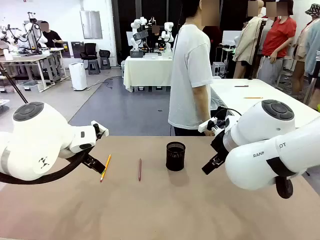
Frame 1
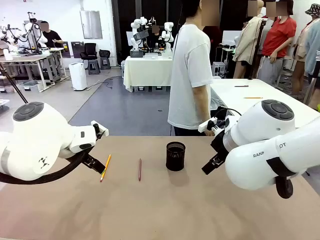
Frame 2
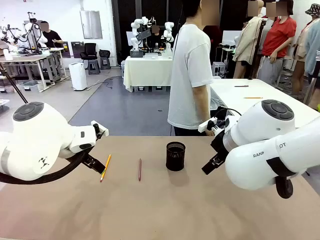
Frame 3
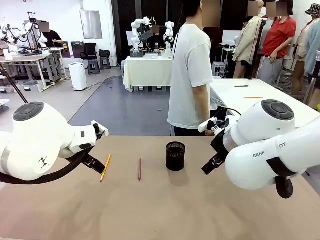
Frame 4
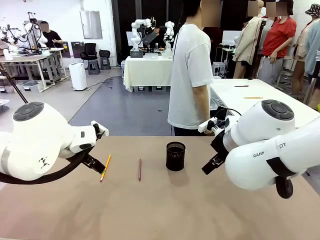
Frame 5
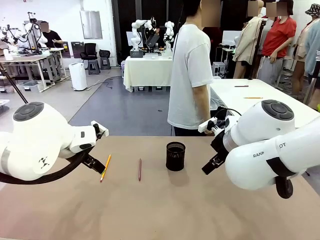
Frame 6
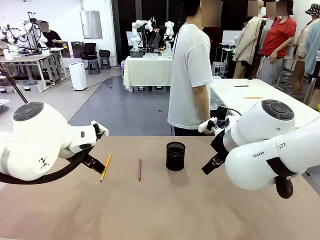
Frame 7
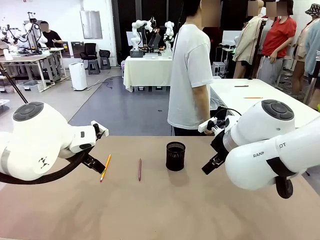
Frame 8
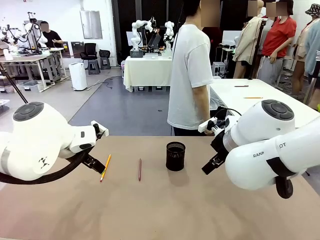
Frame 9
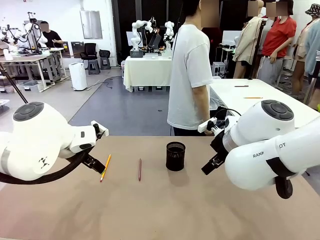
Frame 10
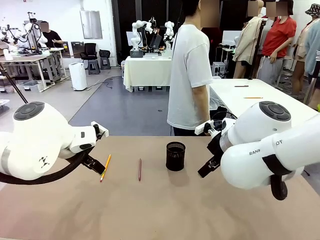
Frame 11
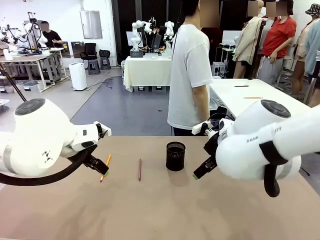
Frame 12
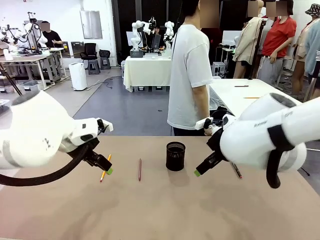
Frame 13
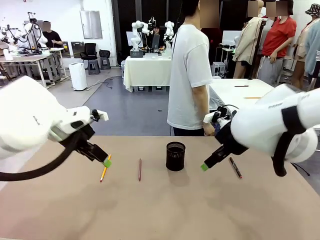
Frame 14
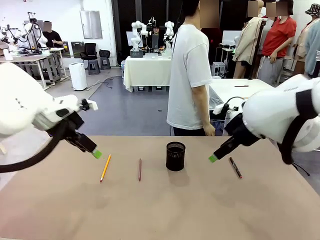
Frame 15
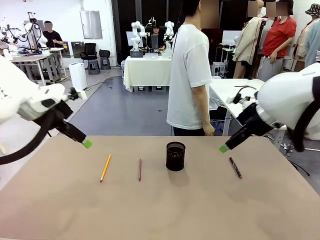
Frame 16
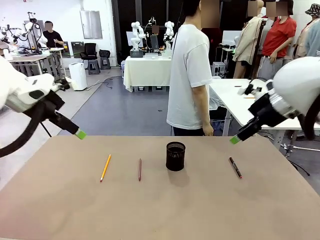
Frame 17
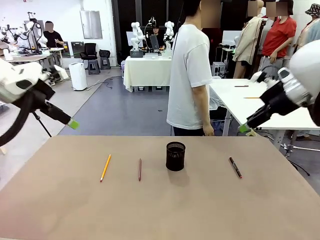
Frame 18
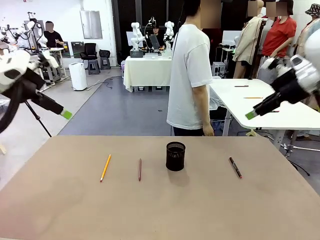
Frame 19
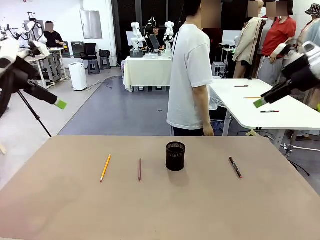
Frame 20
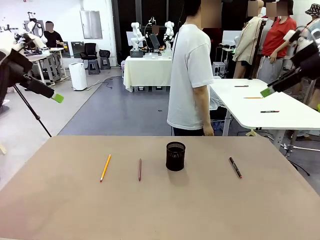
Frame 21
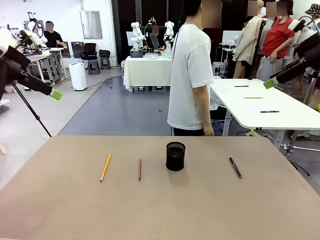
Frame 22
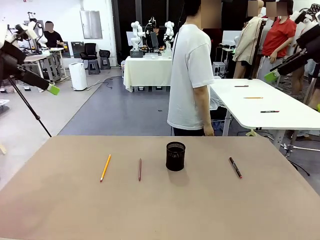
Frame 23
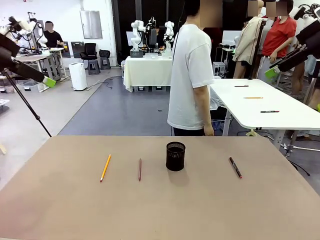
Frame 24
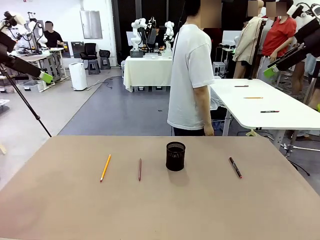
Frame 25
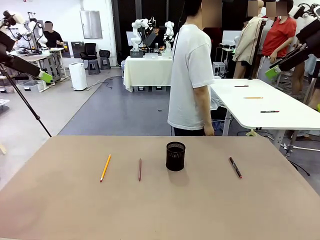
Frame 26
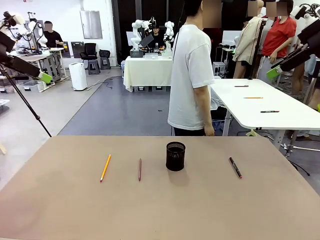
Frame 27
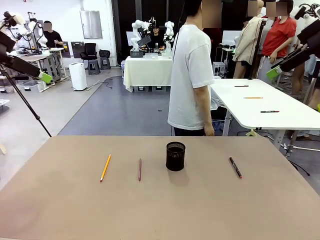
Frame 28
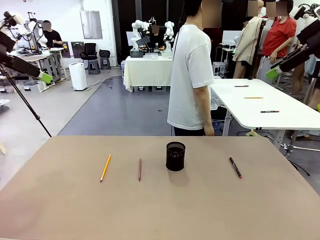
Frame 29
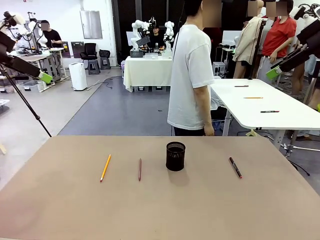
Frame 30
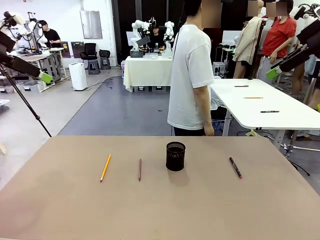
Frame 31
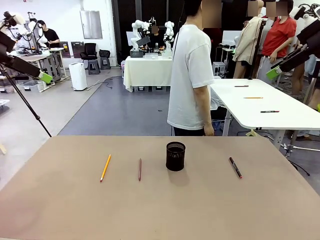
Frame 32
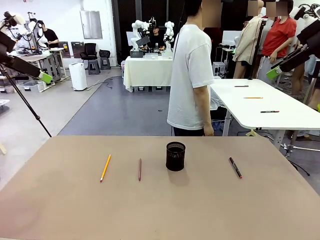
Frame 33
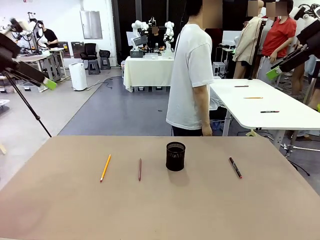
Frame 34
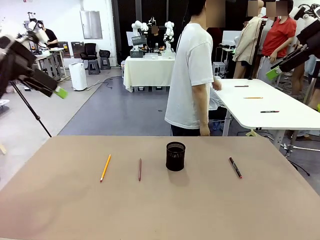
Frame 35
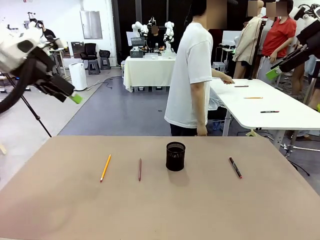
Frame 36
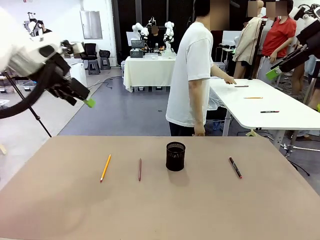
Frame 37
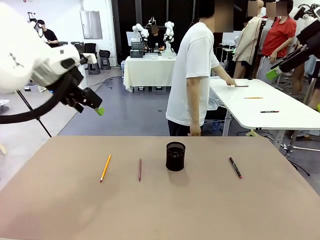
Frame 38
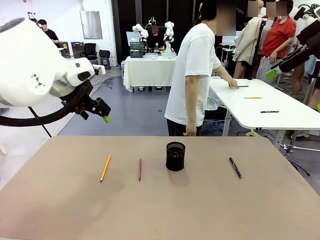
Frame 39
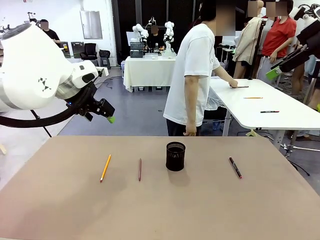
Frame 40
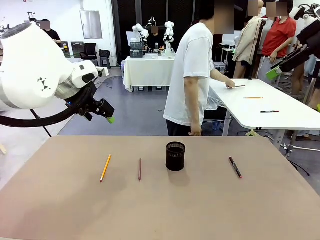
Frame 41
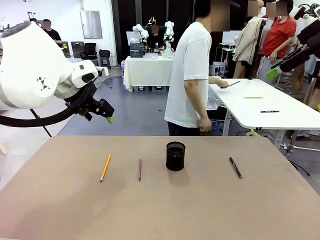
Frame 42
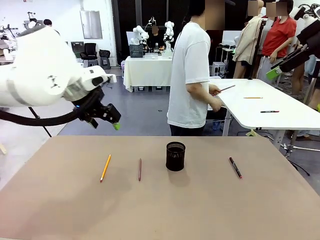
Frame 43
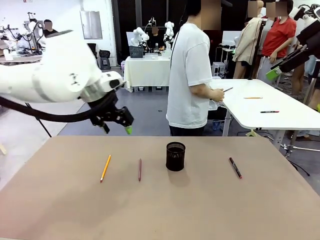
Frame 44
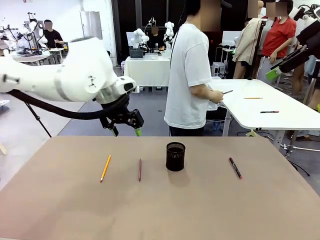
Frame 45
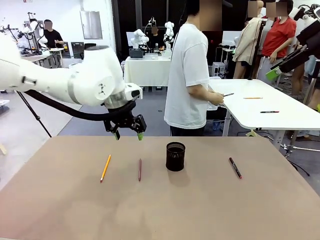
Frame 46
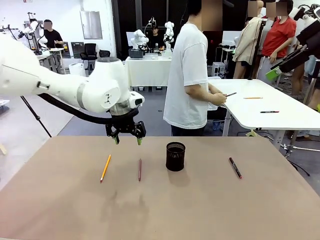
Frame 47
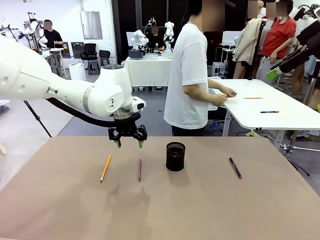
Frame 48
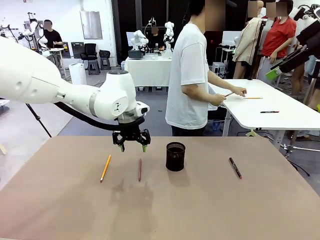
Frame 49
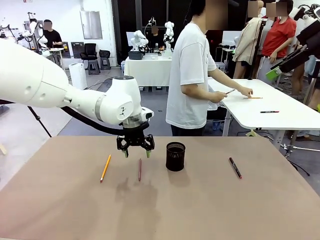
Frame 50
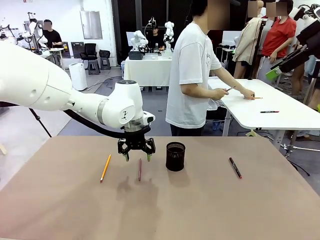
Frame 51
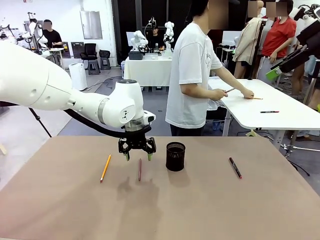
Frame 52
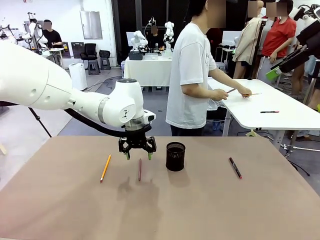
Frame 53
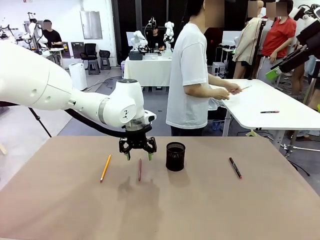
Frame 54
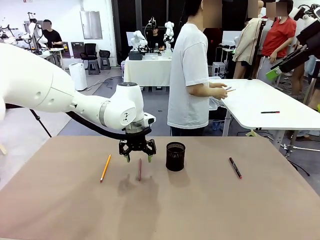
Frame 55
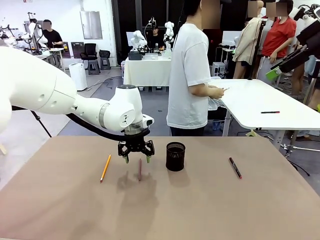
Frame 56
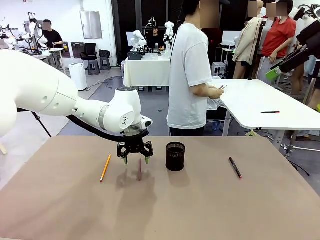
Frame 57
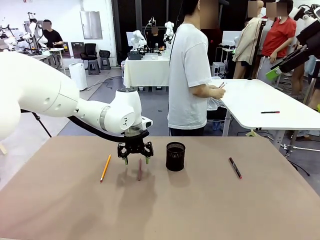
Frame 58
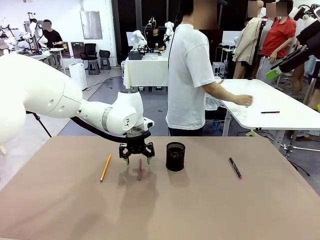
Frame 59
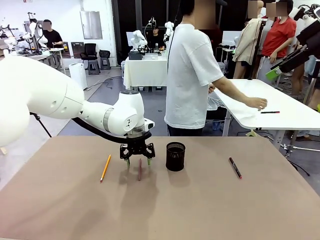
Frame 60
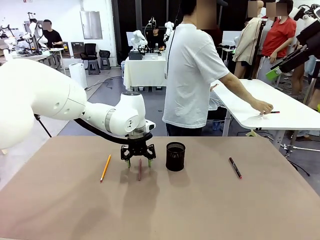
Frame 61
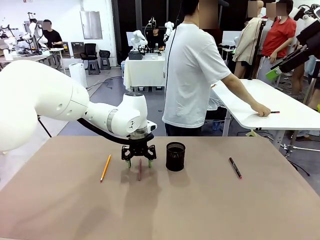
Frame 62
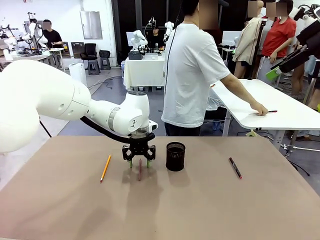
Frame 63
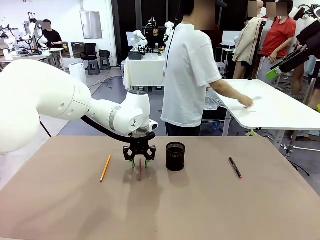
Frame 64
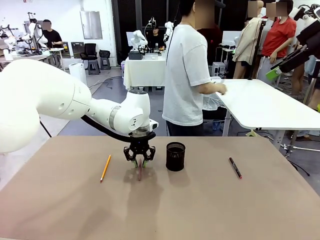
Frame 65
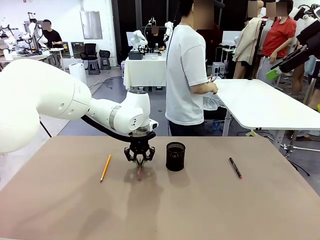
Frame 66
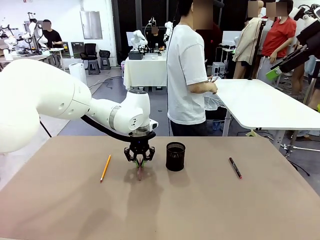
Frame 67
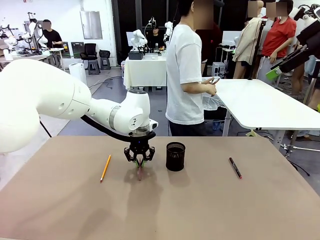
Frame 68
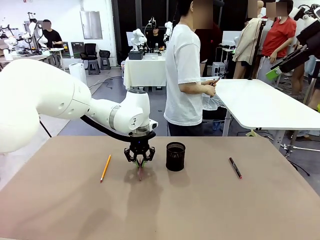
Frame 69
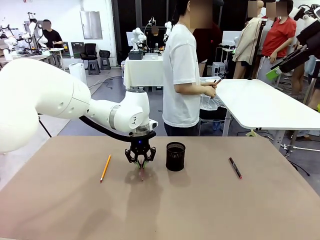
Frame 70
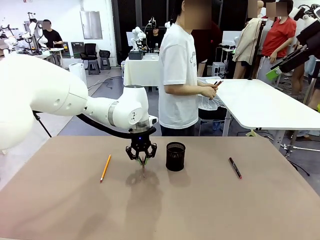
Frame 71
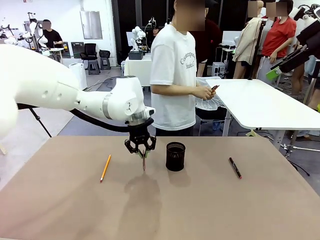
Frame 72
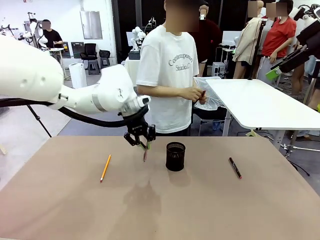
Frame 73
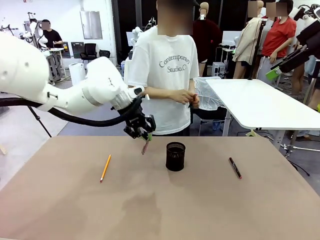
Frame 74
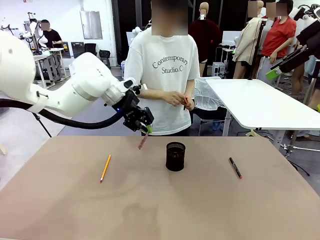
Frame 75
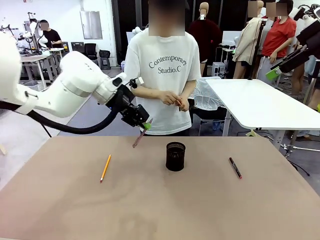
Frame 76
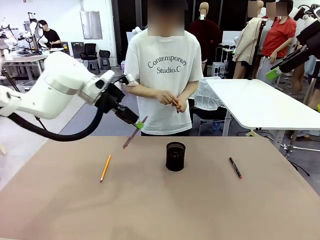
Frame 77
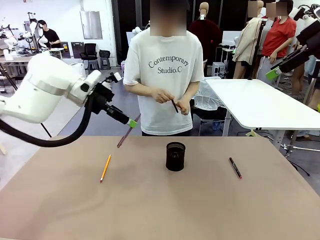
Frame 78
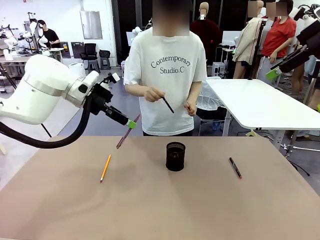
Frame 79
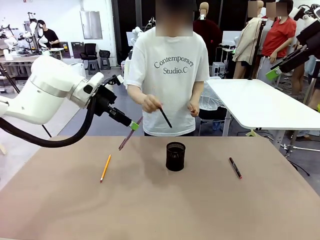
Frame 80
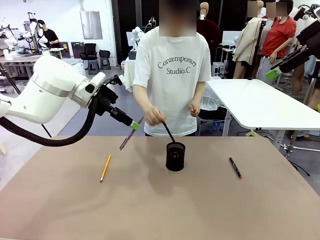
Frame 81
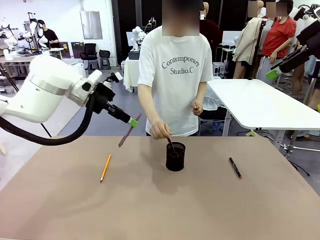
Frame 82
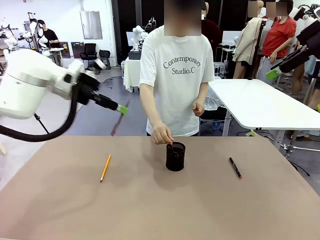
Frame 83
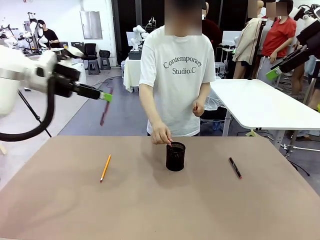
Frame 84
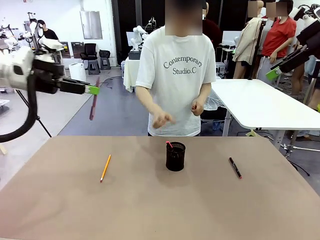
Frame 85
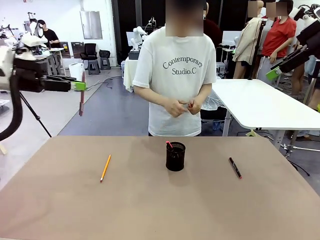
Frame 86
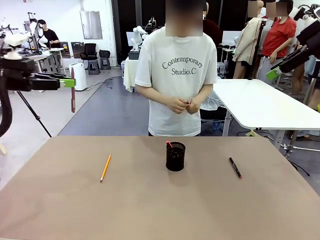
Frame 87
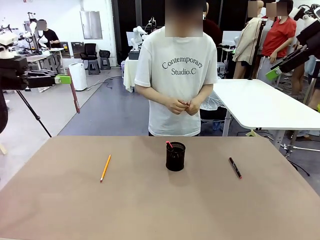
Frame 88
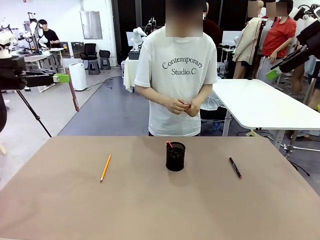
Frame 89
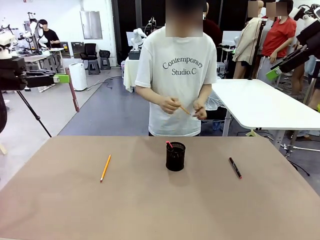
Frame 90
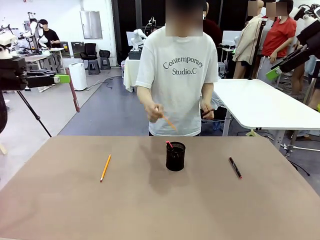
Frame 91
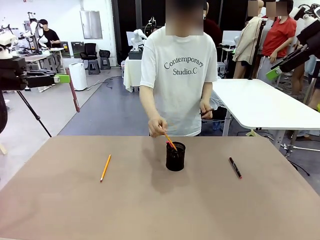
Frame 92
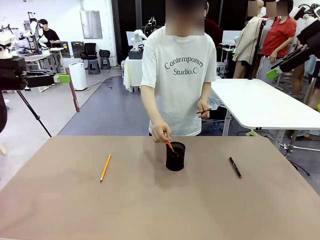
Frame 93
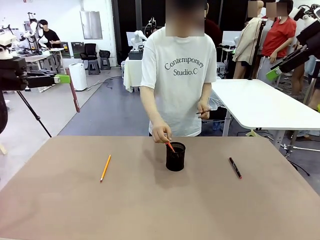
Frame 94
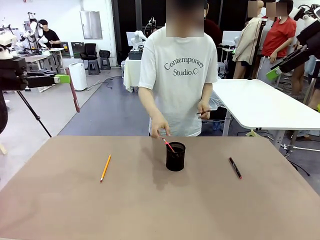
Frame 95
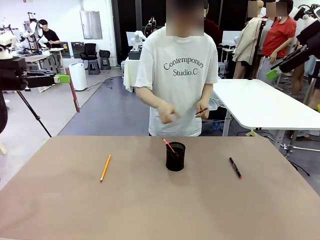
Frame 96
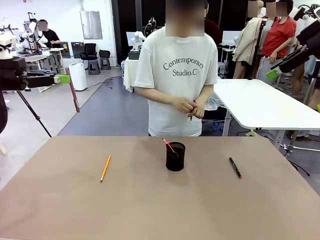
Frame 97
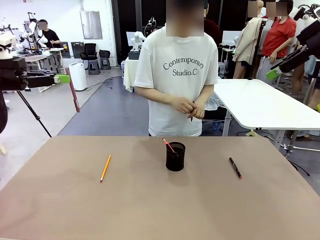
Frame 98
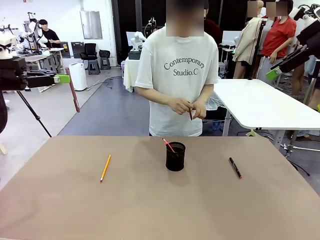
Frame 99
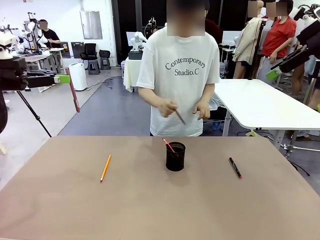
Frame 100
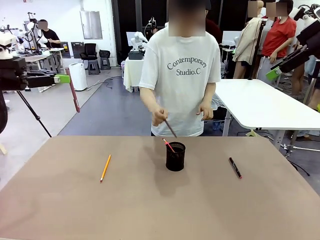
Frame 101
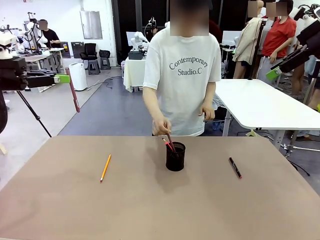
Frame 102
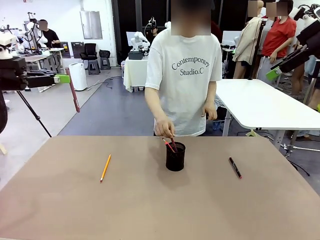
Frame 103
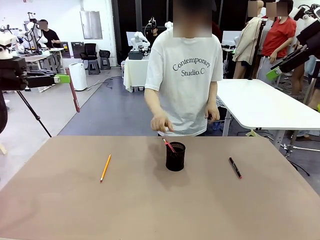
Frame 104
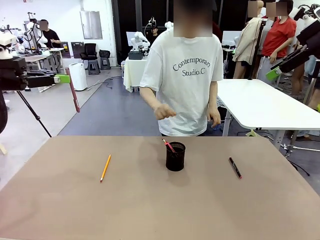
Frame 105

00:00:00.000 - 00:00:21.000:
Task: Place the pens into the pen holder.
Robot: Pick up a writing instrument from the table and place it into the Pen holder.
Person: Pick up all writing instruments from the Human table.
